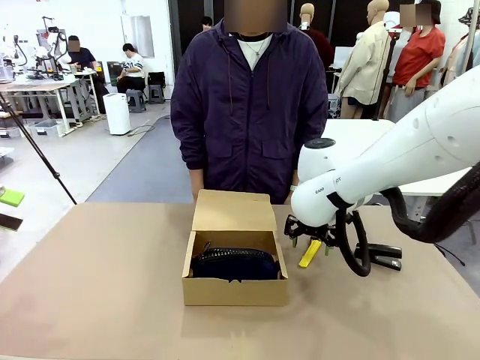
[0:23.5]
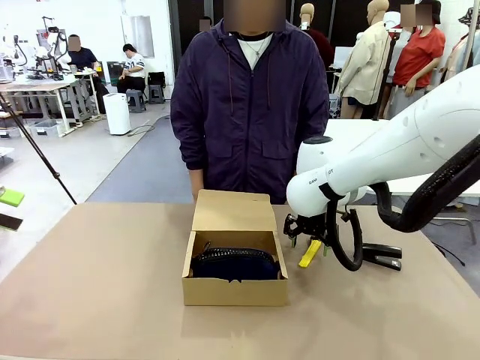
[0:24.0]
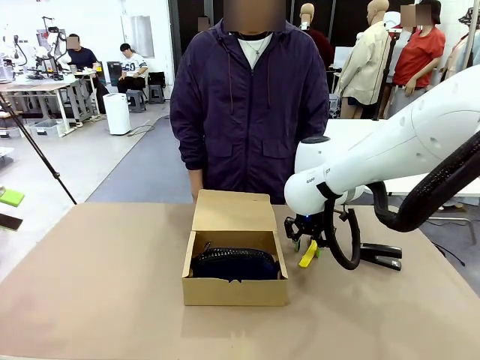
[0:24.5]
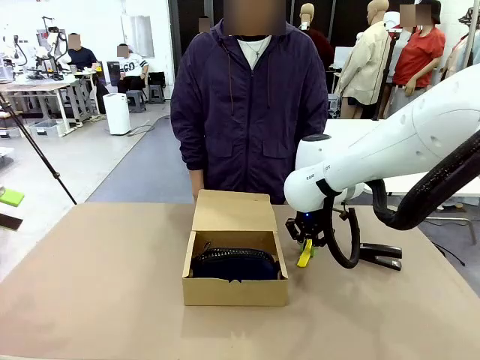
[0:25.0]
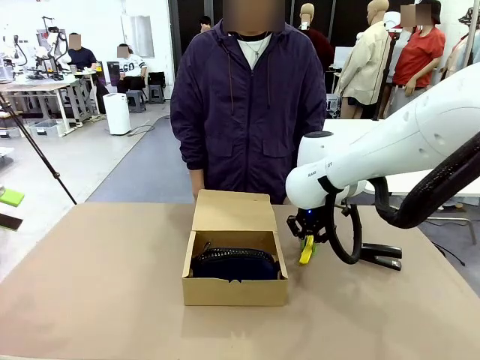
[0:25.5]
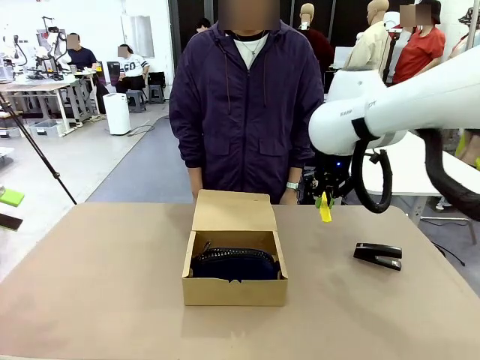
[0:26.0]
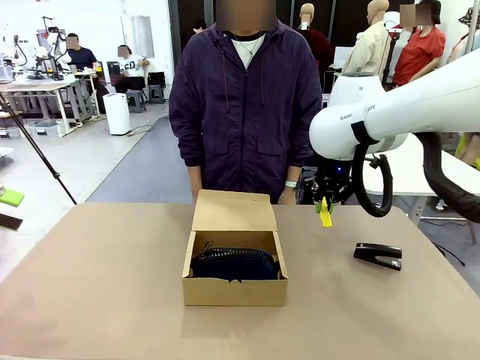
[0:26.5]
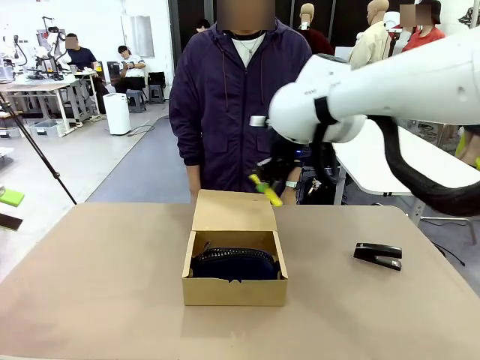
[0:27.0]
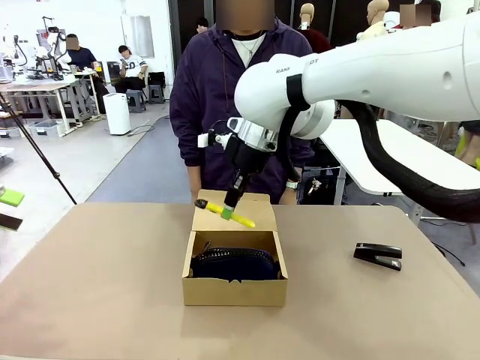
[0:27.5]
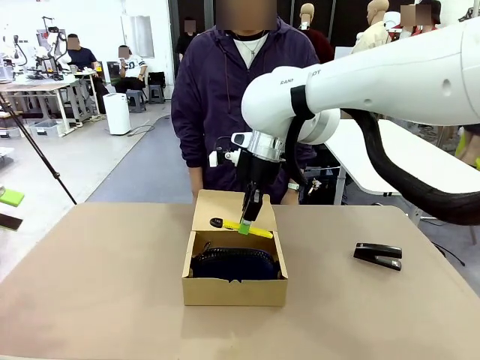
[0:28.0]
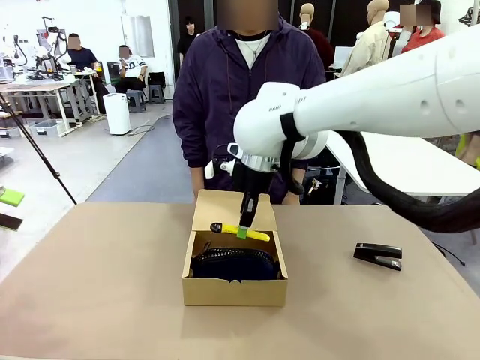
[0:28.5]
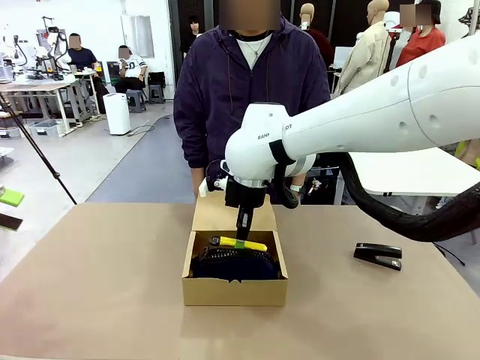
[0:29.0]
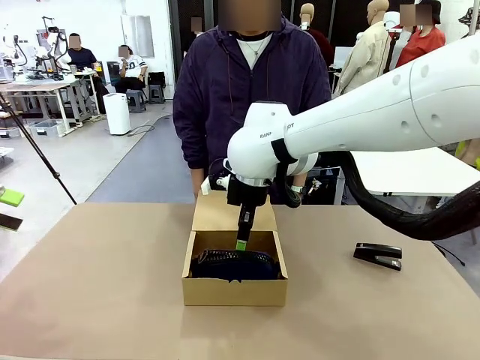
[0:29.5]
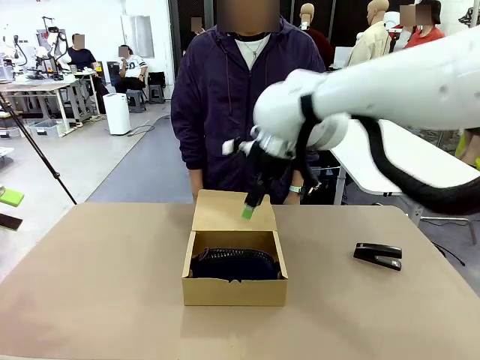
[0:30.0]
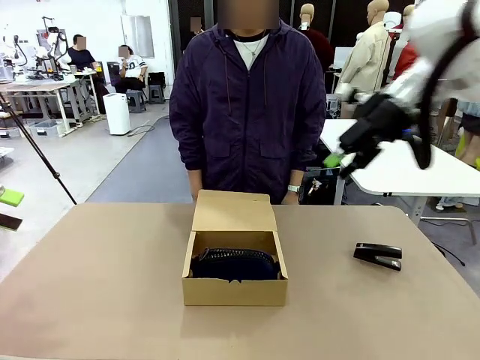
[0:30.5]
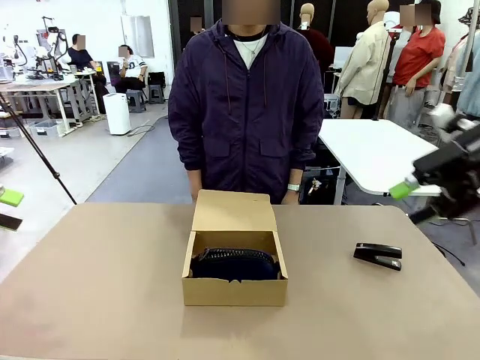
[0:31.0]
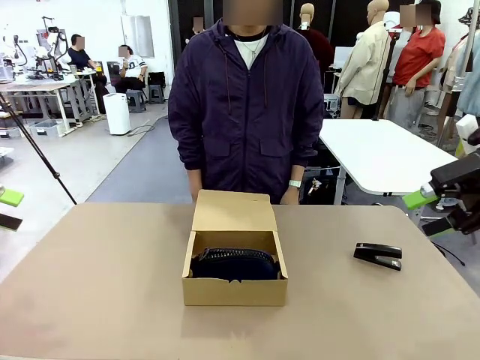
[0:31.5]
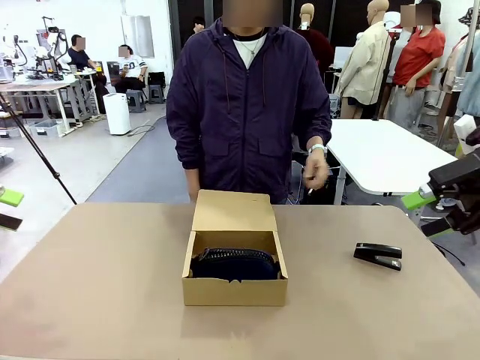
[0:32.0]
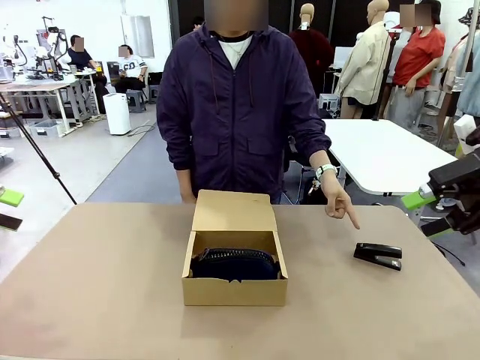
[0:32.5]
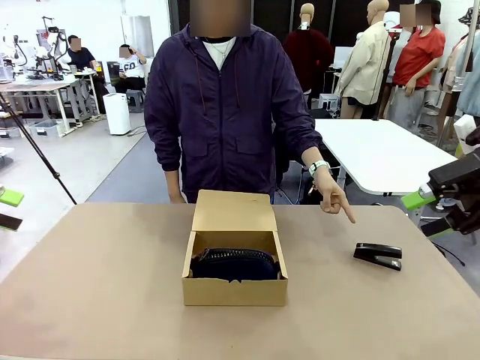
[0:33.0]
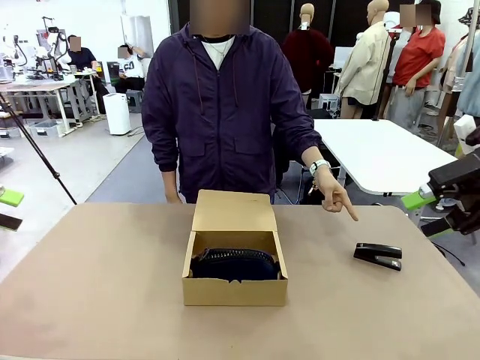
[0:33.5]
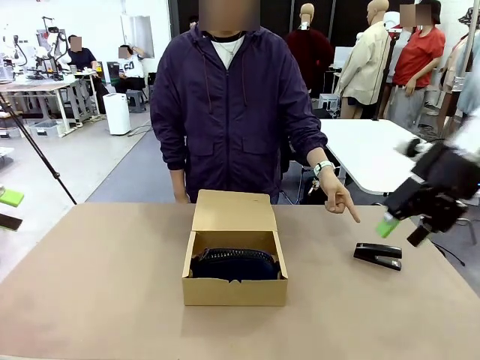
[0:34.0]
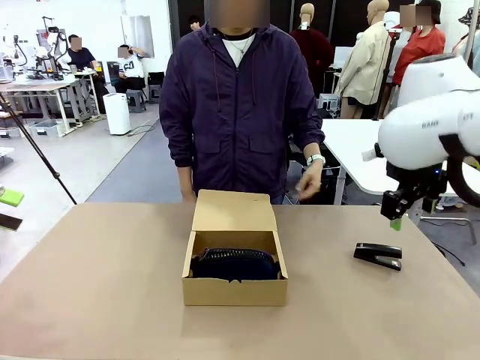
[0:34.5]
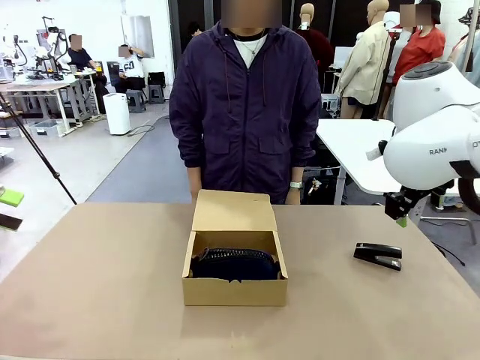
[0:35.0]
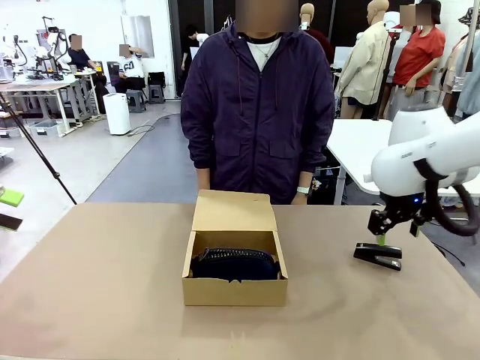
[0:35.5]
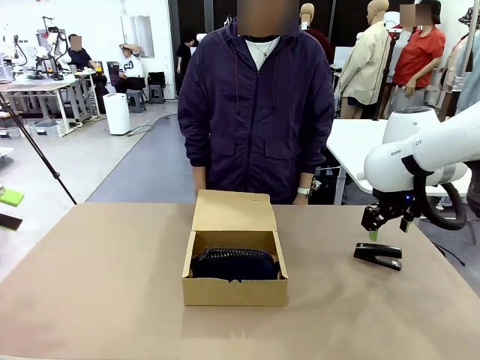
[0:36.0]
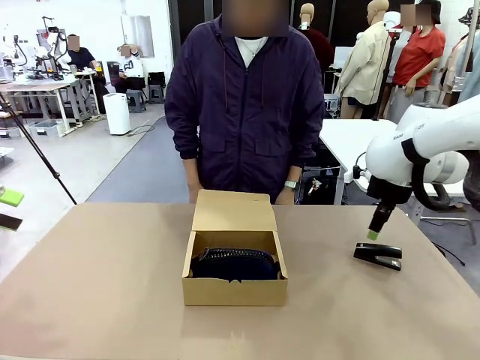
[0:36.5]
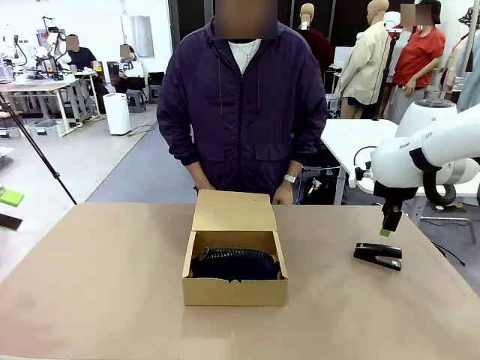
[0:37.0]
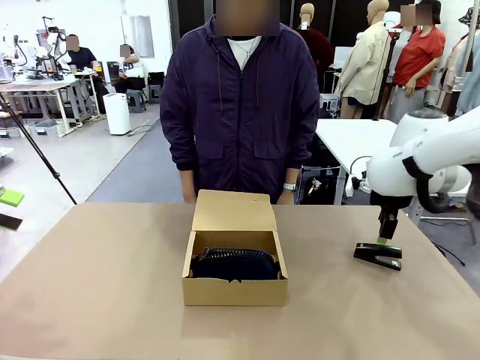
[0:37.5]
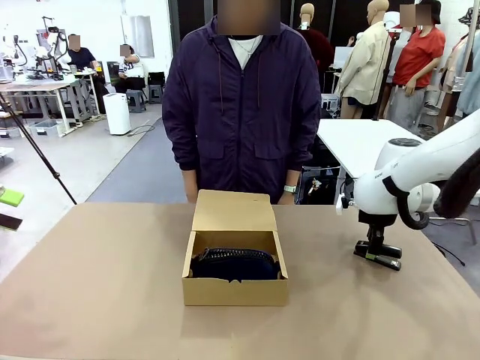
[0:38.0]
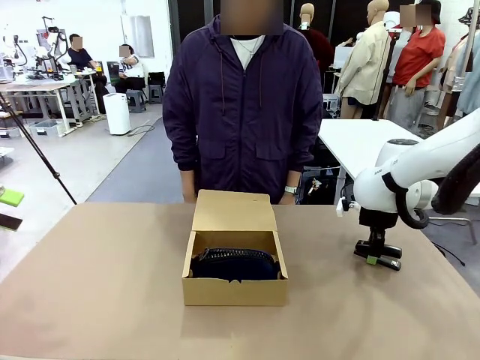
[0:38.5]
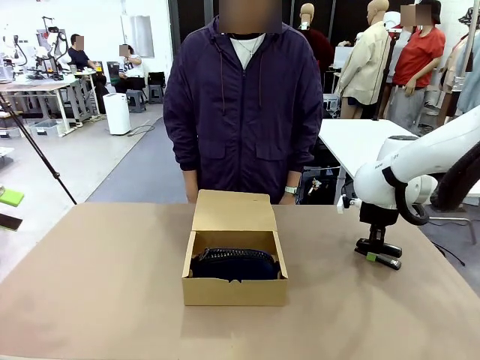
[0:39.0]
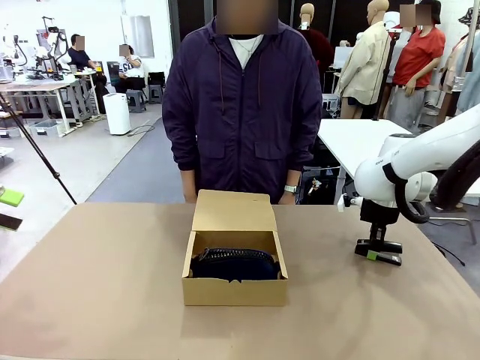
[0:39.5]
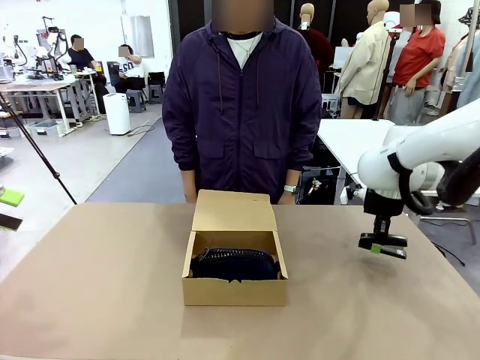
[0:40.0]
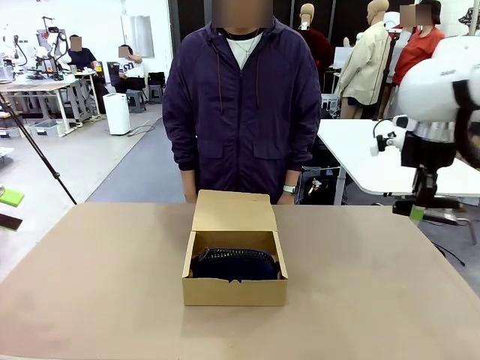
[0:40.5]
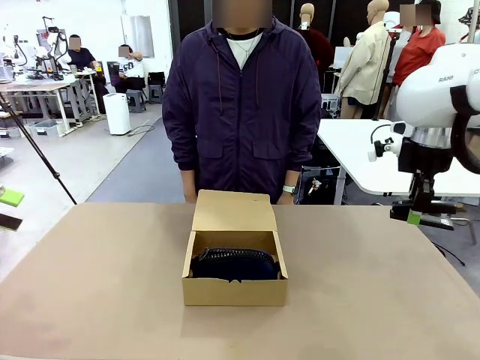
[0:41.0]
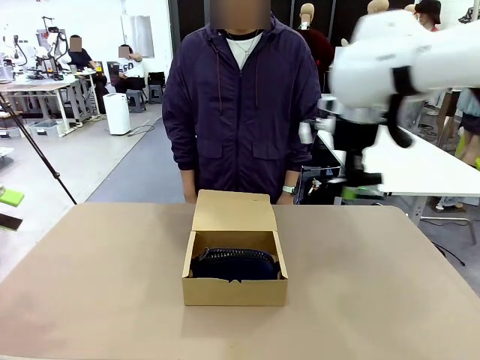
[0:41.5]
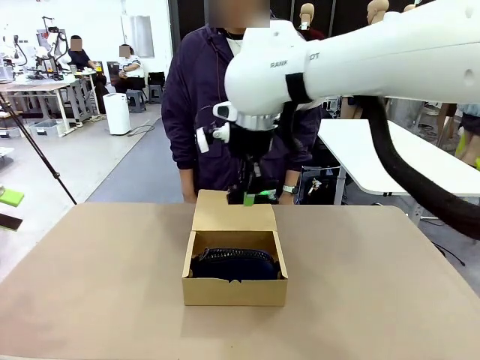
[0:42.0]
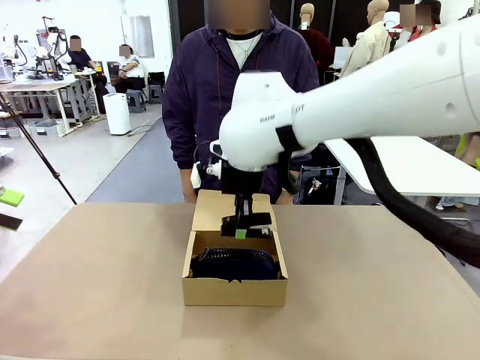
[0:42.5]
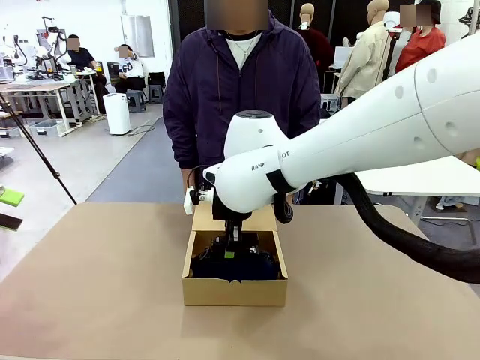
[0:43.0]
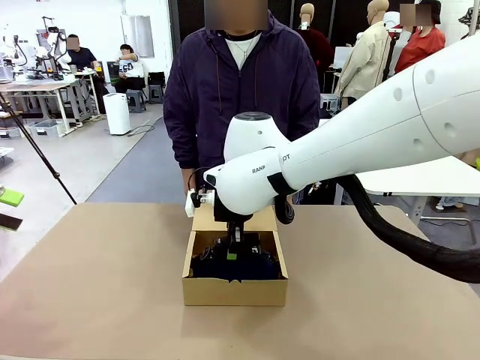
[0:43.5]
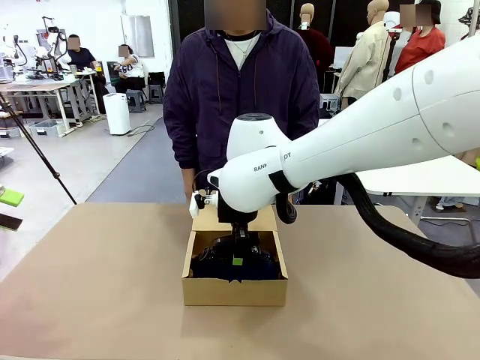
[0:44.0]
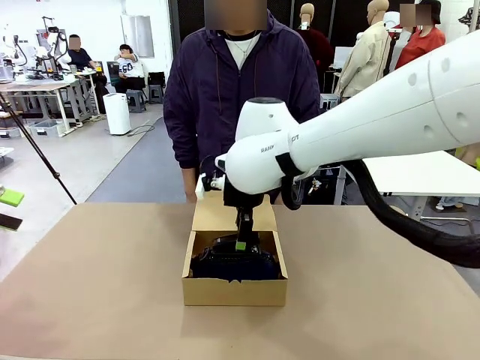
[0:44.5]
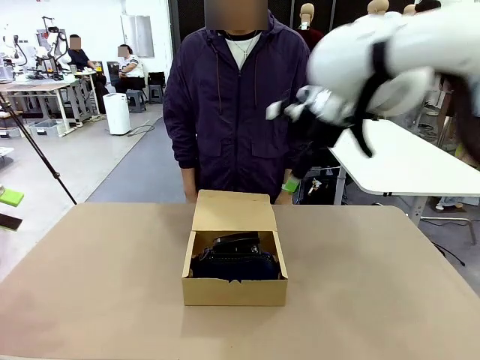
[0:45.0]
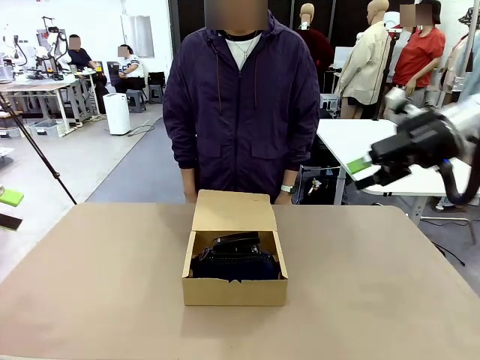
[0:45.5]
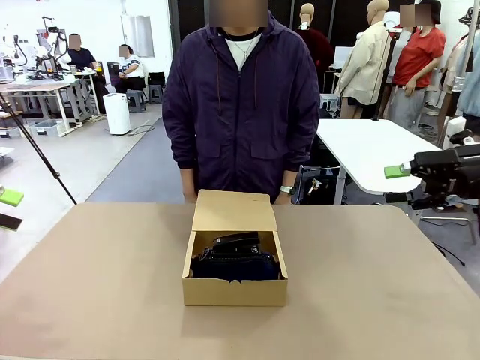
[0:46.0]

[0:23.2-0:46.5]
Task: Pack the items into the box.
Robot: Pick up the item indicated by the person and place it inside the Mailer Box.
Person: Lower both hands vertically with palms facing downward, as if pressing something closed.

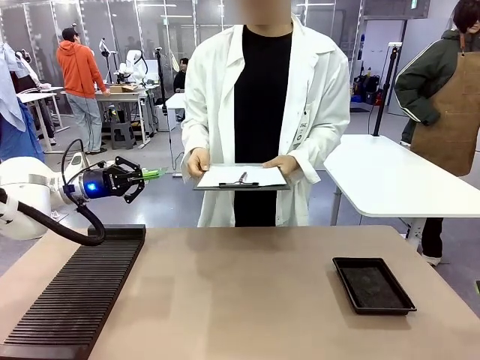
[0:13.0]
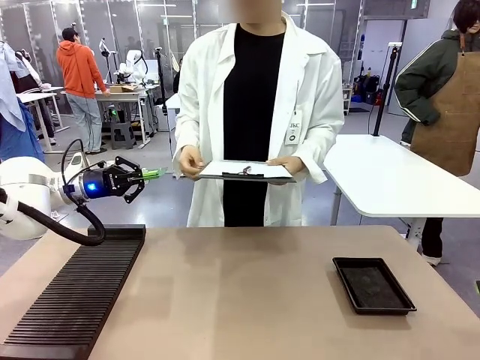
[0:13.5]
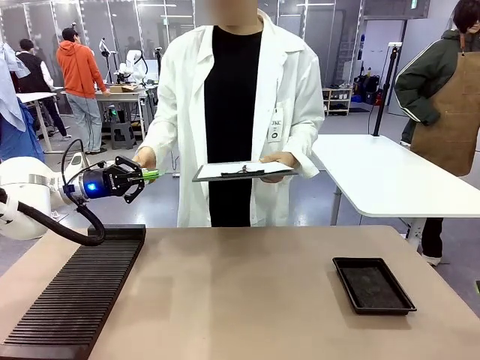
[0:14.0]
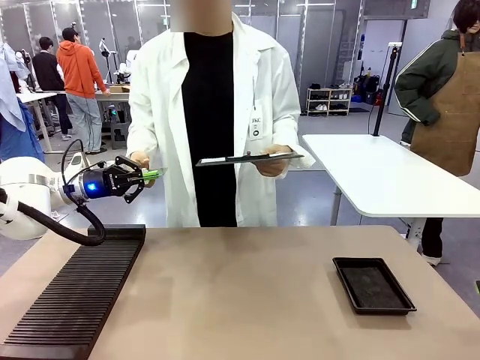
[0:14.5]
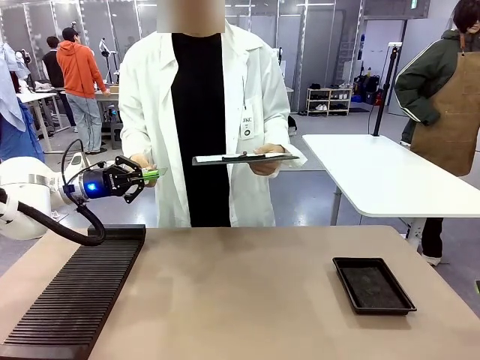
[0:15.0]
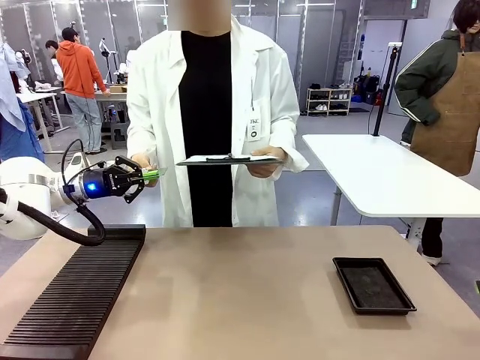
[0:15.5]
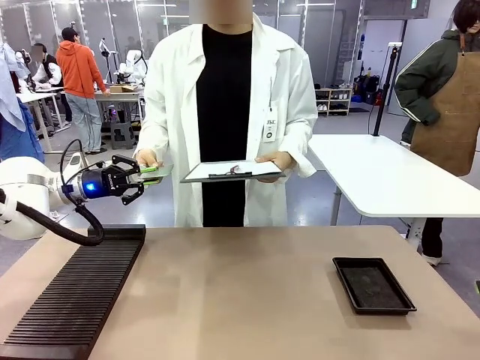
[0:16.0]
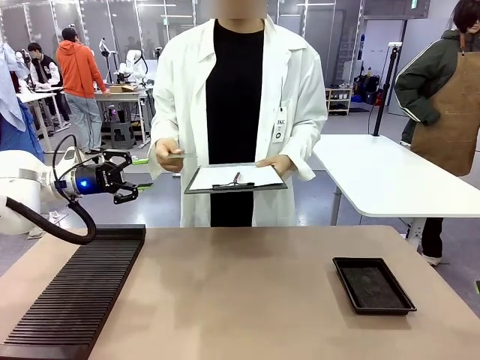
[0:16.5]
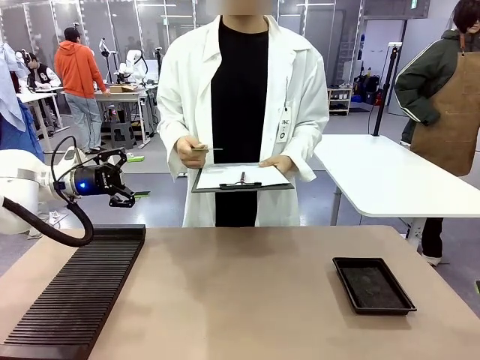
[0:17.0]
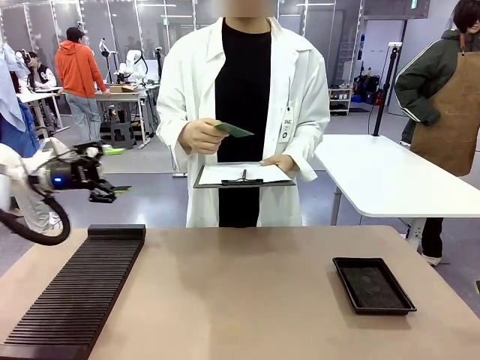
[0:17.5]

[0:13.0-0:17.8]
Task: Inspect the PCB.
Robot: Release the Blank PCB you were holding.
